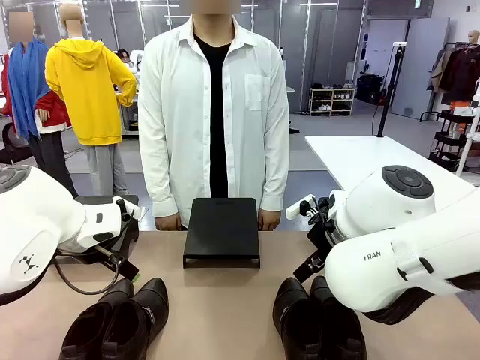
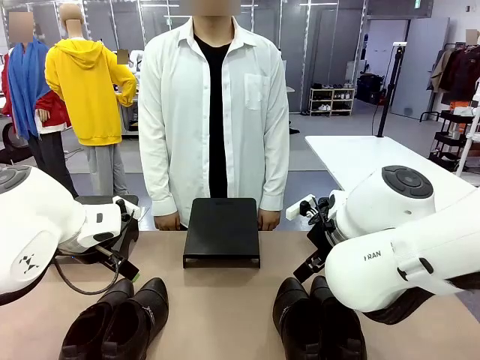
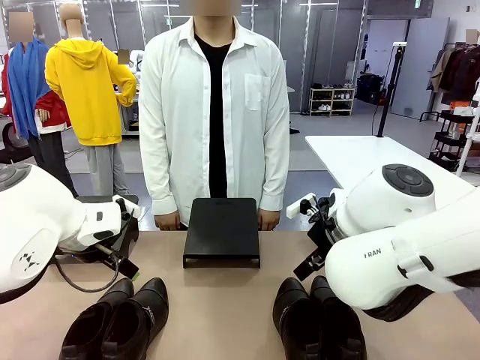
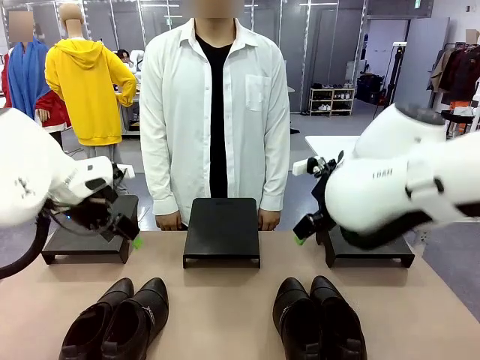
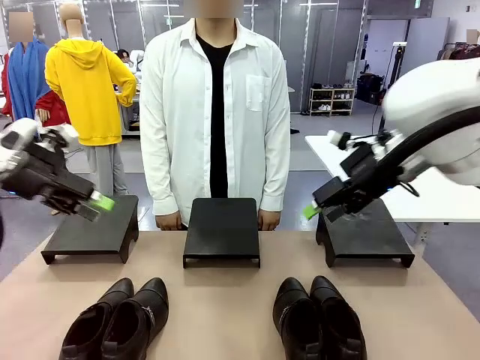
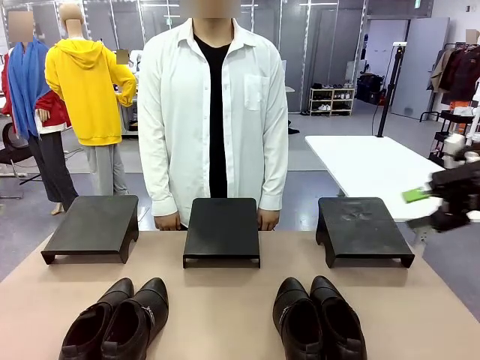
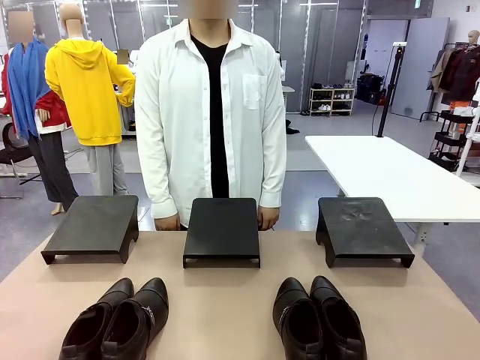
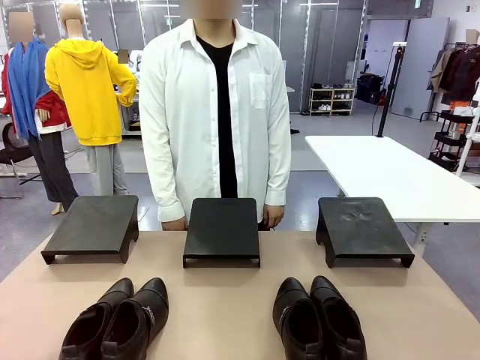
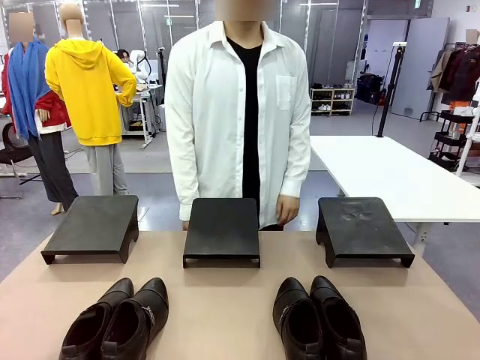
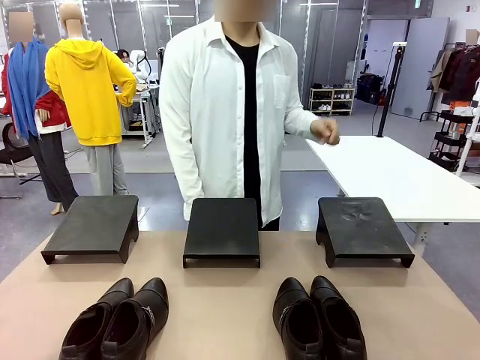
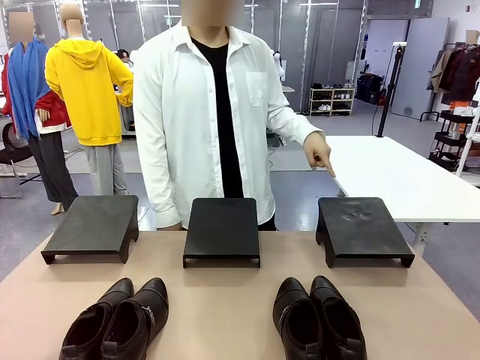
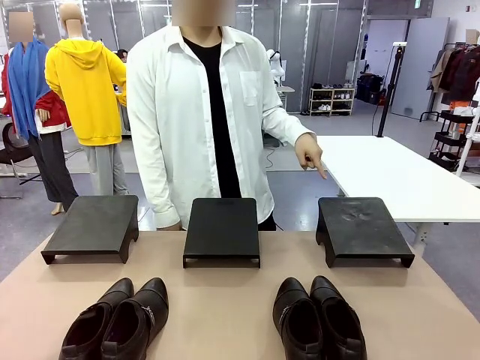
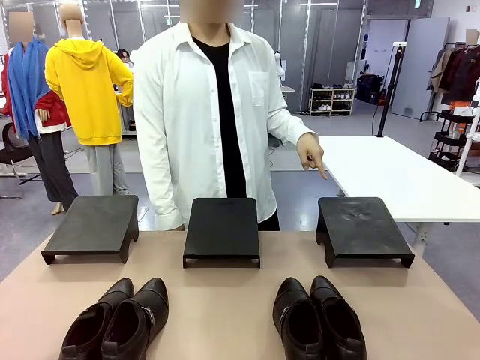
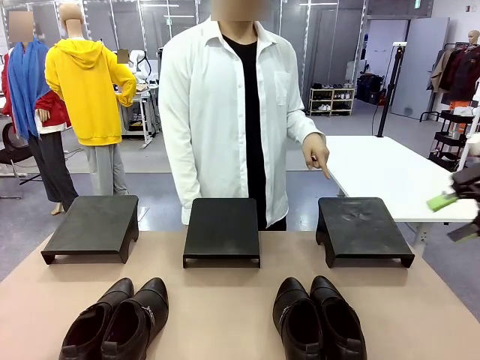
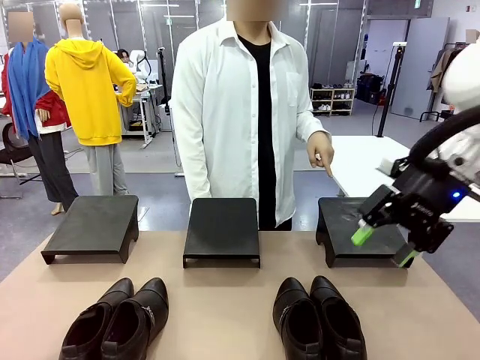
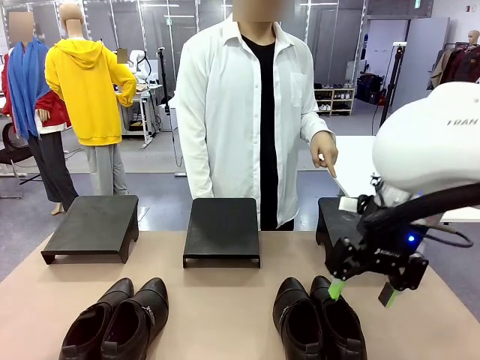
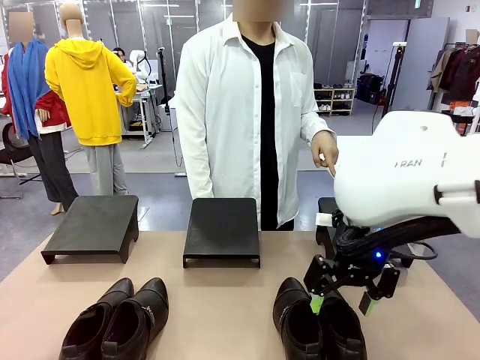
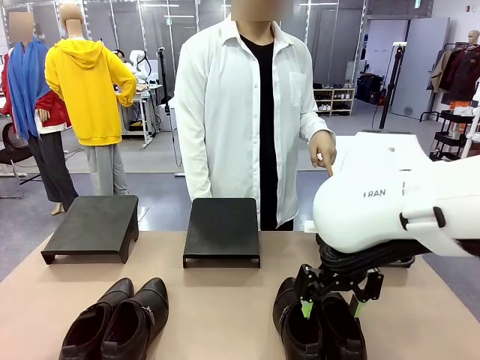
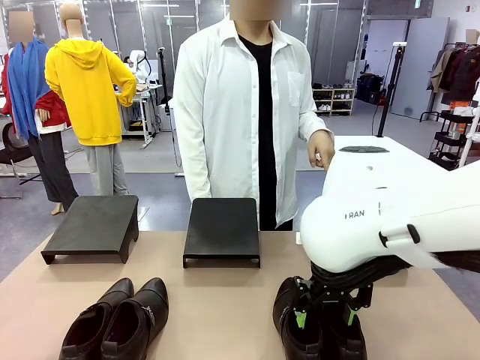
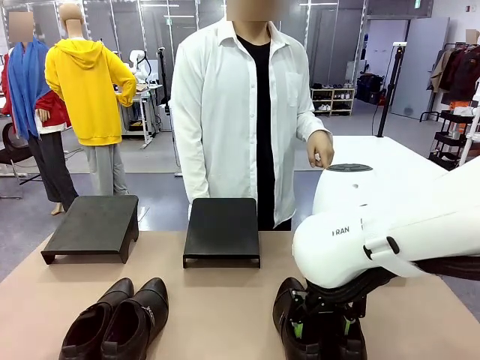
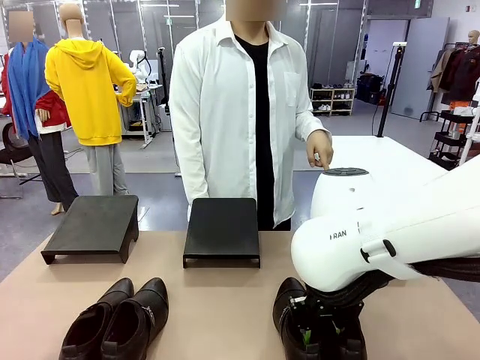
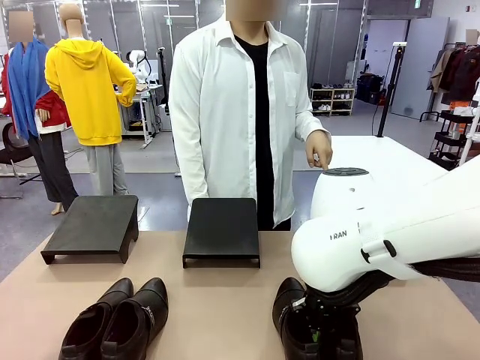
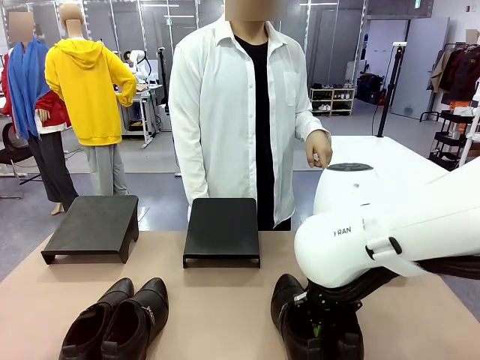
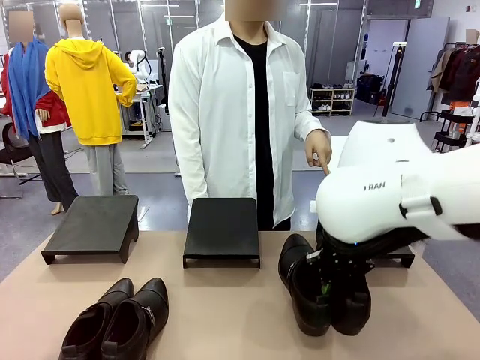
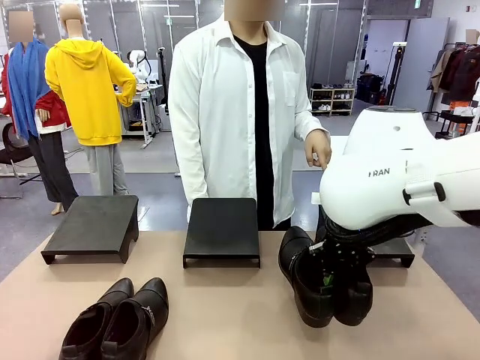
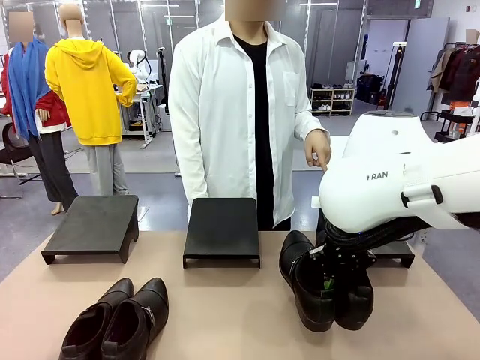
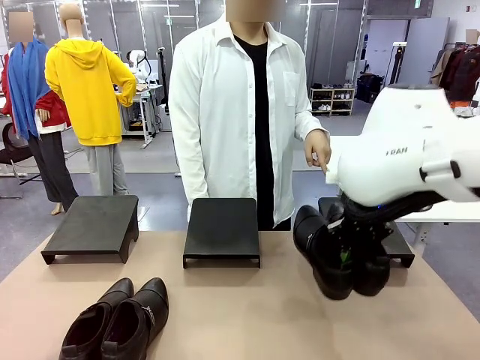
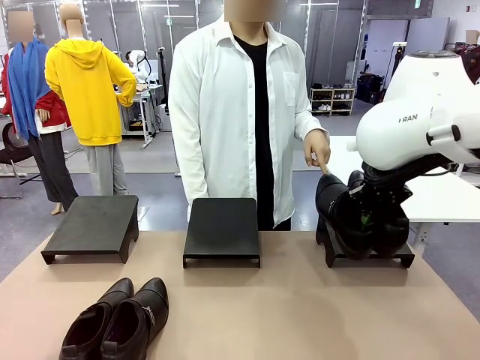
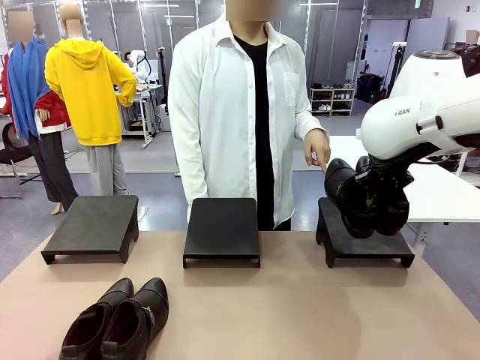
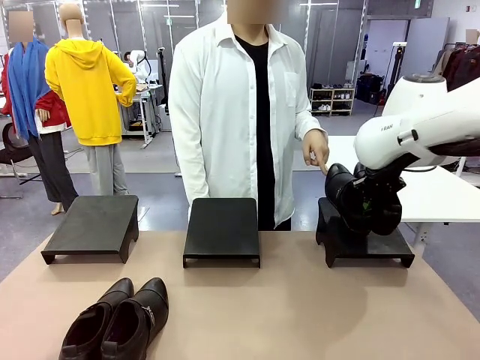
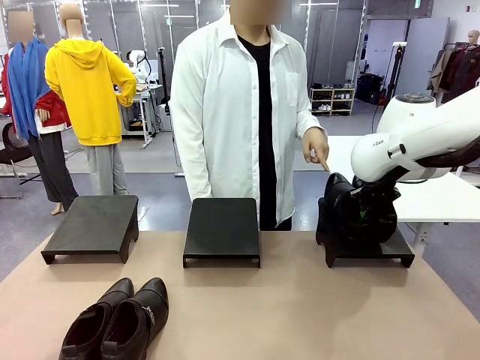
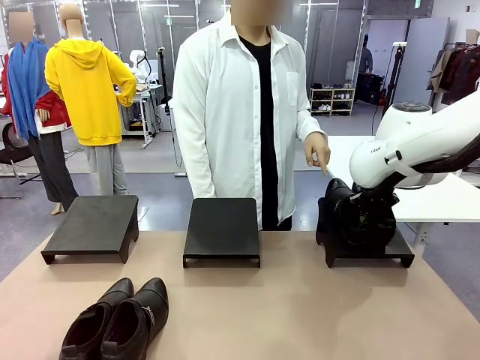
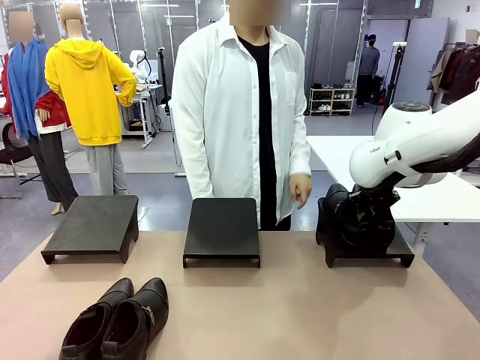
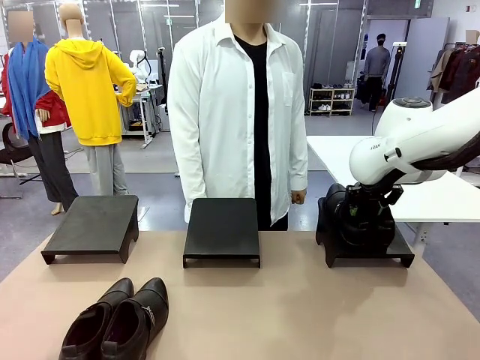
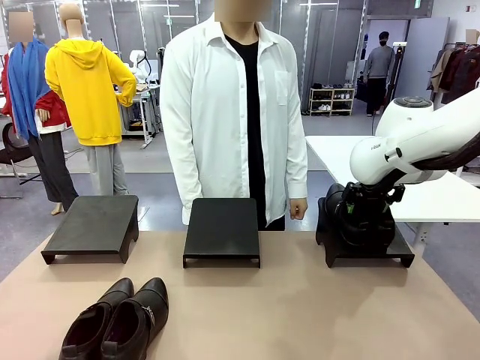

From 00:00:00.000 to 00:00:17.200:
Task: Place the shoes on the stand as instructed by the person.
Robot: Pick up one pair of Shoes and place it on the Shoes Stand indicated by the person.
